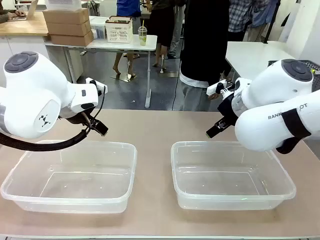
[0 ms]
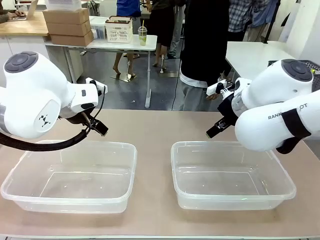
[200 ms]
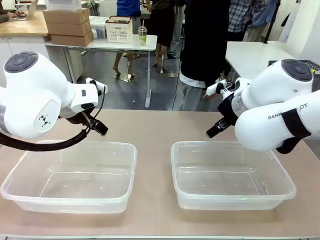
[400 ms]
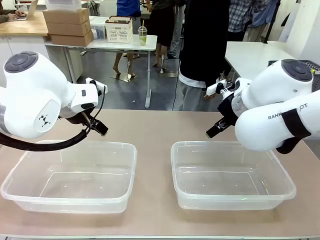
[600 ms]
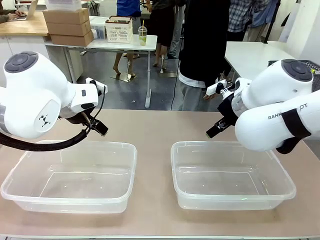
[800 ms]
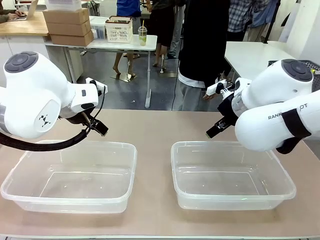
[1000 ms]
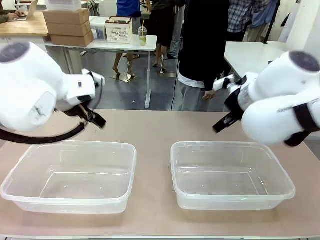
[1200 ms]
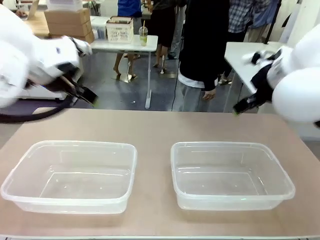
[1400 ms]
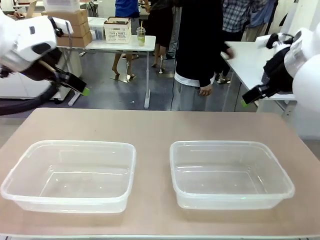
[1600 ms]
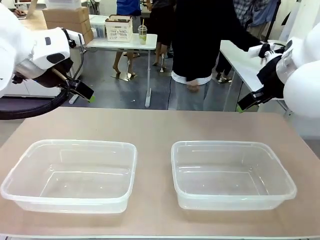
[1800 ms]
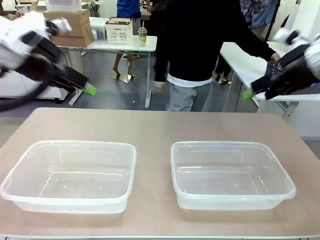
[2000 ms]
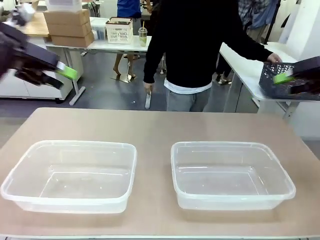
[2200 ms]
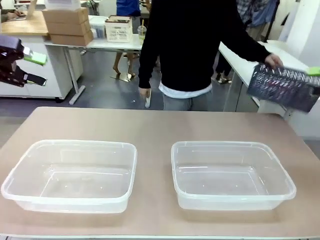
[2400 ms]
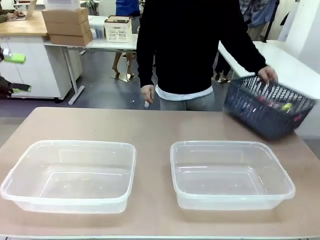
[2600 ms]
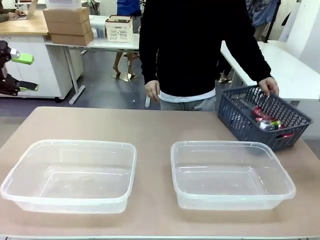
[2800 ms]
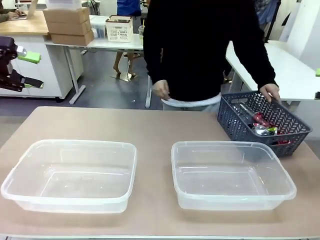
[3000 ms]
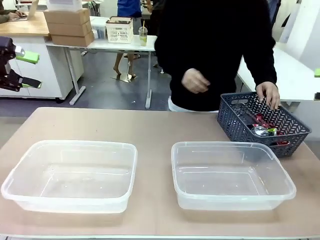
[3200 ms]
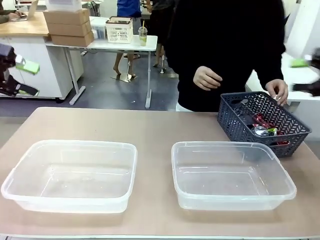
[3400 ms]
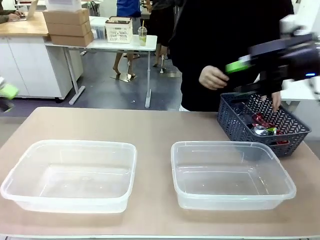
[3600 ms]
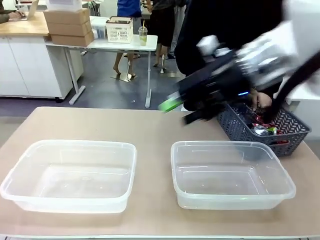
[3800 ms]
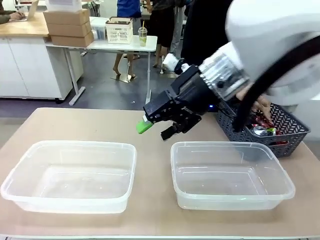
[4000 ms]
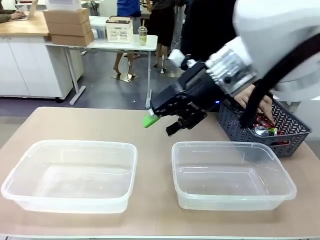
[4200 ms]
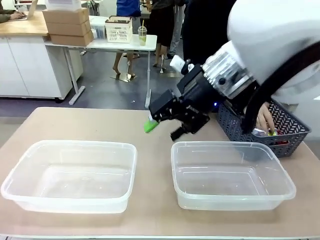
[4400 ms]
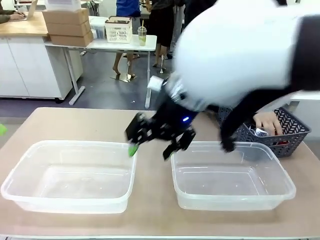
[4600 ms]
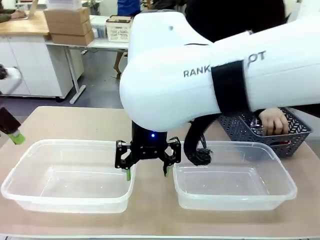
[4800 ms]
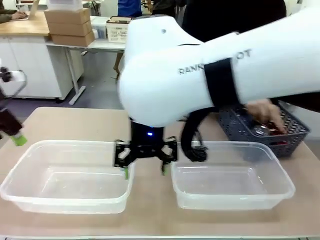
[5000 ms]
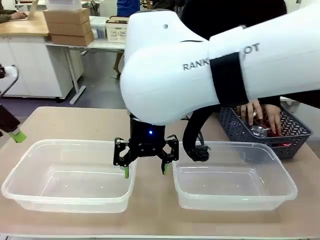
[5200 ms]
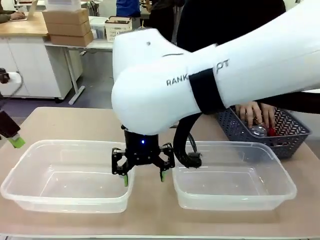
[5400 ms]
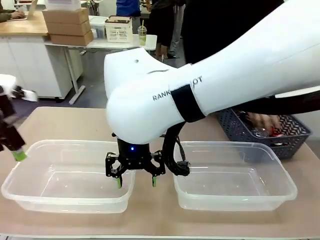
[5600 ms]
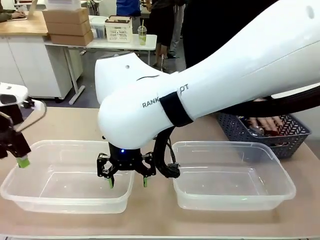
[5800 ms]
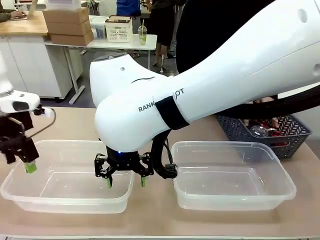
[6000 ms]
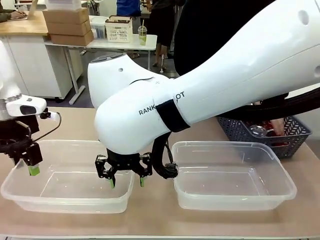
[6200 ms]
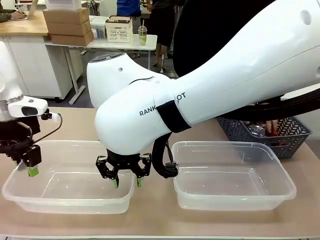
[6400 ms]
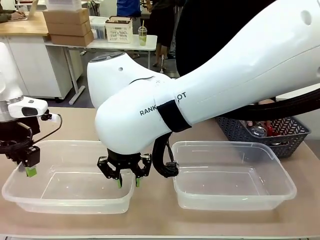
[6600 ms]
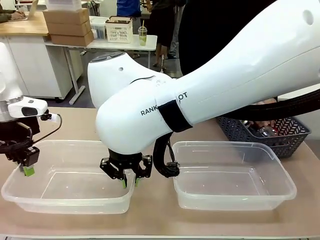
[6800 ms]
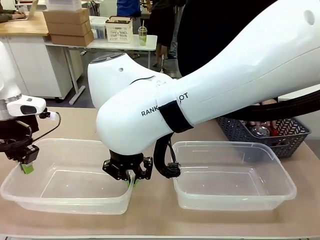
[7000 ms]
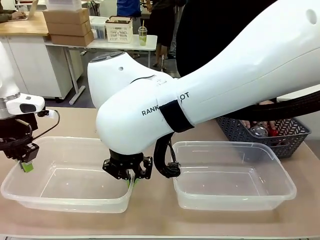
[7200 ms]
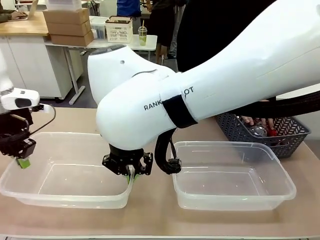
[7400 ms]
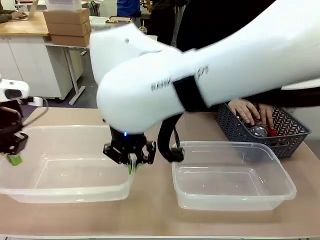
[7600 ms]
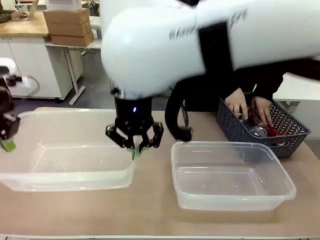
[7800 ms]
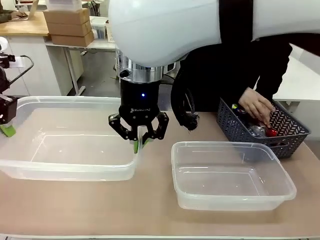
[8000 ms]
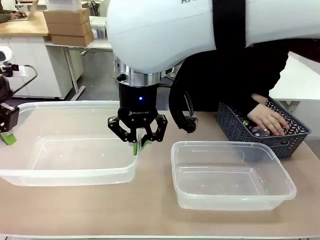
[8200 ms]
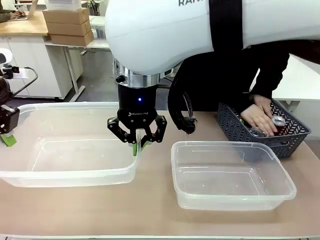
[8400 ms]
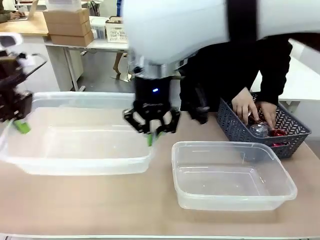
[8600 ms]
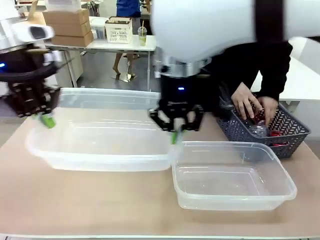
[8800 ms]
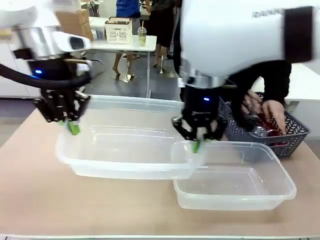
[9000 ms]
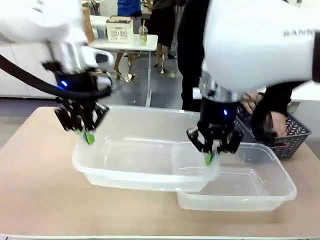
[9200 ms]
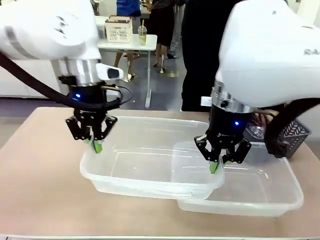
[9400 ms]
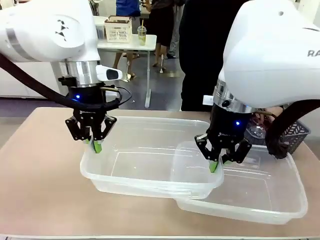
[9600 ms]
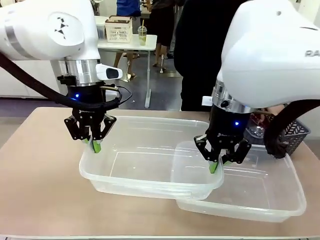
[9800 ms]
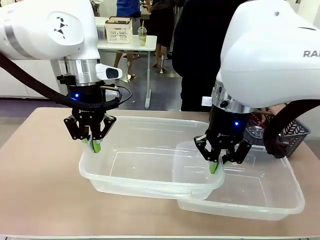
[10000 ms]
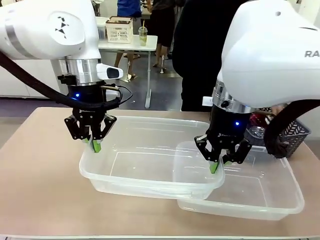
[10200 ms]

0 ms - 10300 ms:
Robot: Pick up the Organizing box on the left side of the table and lift it.
Person: Pick up the storage basket and place it on the left side of the robot table.

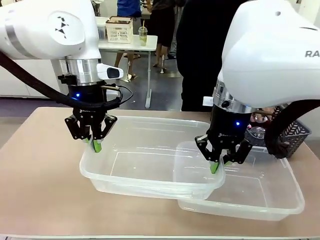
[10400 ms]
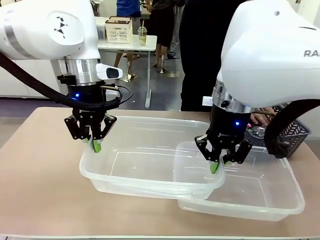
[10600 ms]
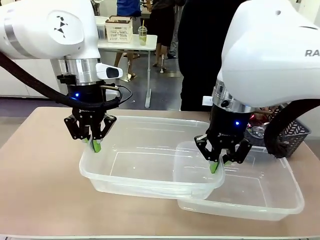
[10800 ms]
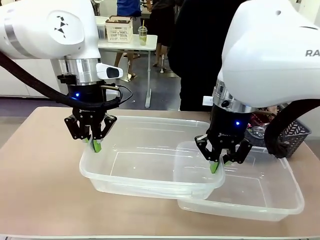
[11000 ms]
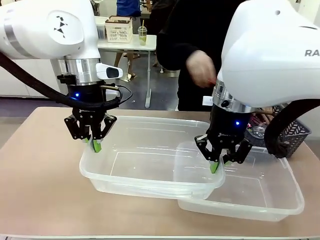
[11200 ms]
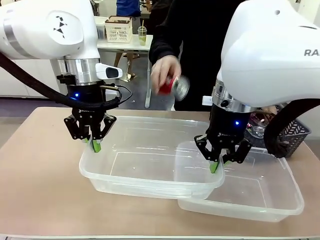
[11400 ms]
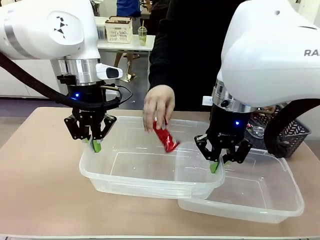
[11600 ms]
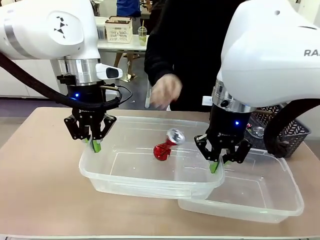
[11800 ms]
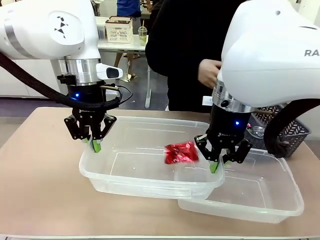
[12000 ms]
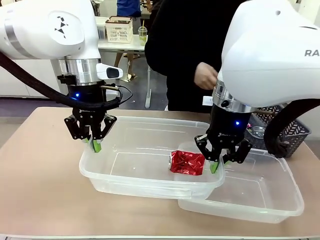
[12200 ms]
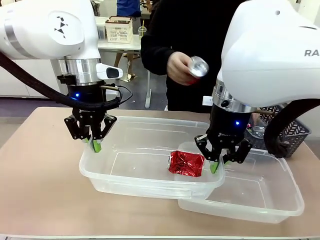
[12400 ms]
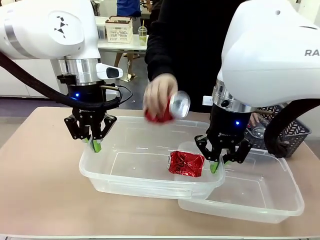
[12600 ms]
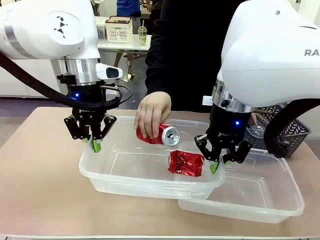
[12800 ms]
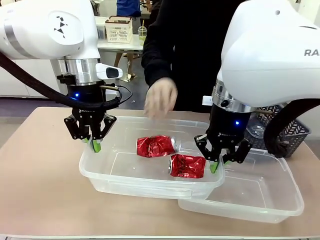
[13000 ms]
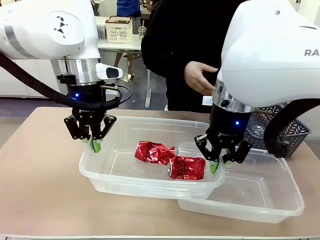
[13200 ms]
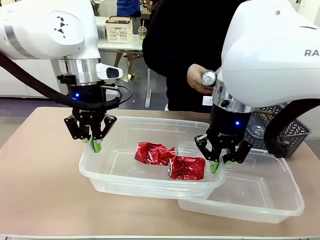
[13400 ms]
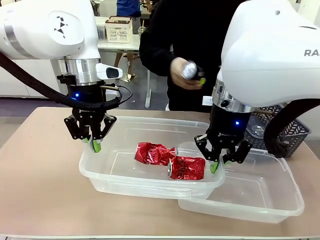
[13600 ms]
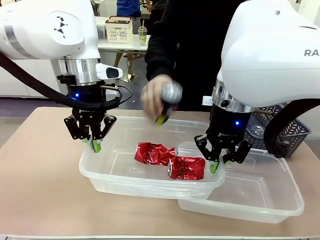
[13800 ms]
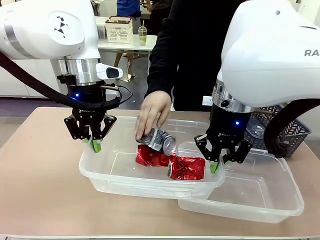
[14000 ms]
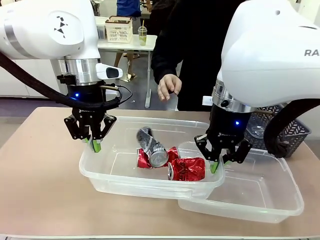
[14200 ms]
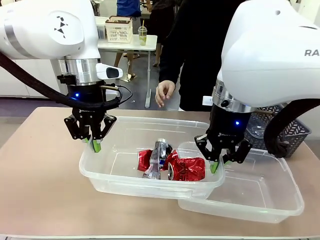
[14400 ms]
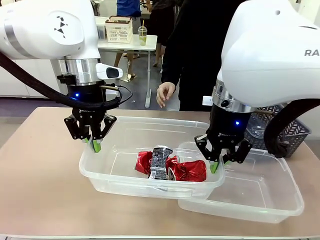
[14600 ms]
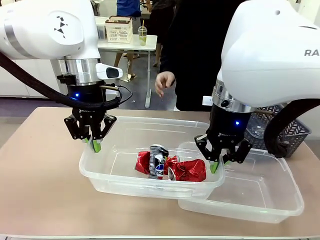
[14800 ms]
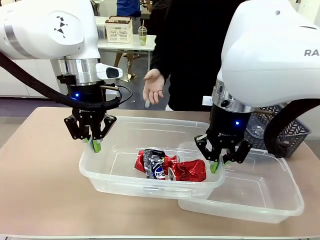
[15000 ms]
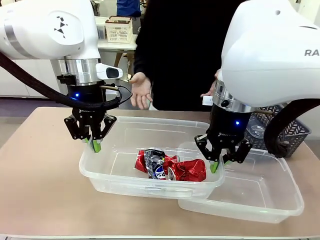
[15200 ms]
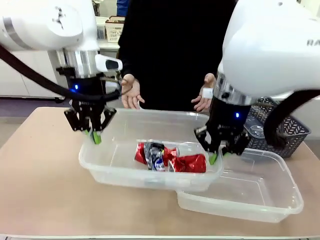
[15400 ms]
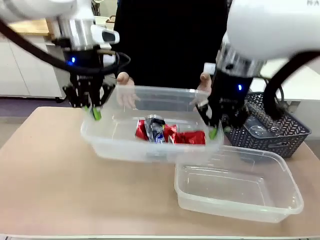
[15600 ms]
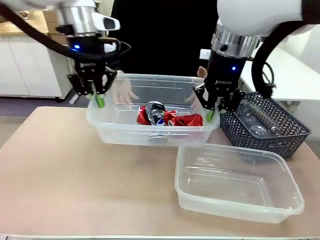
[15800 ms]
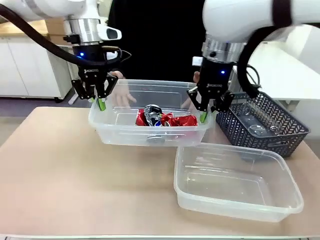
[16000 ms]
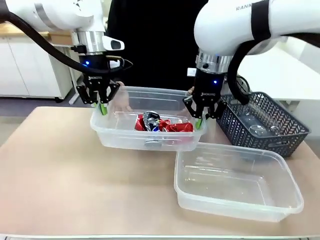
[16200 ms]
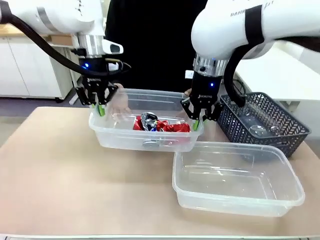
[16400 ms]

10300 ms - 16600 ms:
Robot: Offer the picked Organizing box to the human.
Person: Pick up can-shaped waste one by one and place it into the organizing box lifted by the robot.

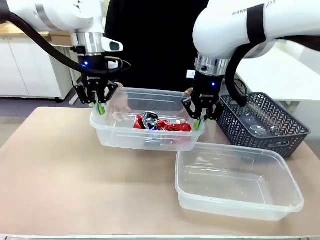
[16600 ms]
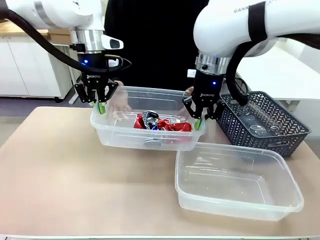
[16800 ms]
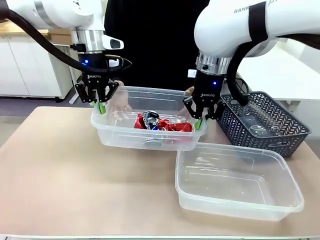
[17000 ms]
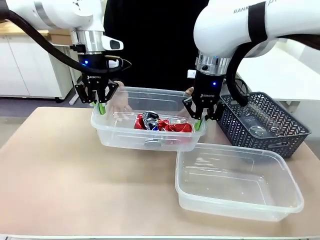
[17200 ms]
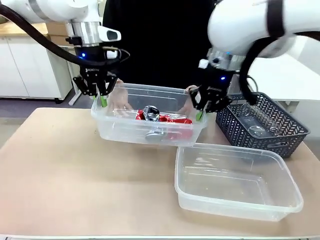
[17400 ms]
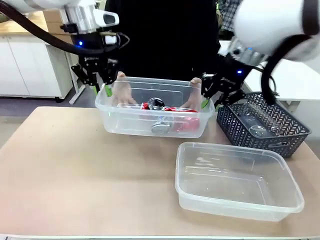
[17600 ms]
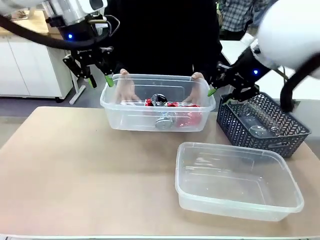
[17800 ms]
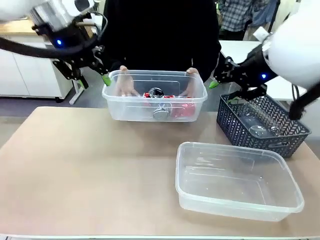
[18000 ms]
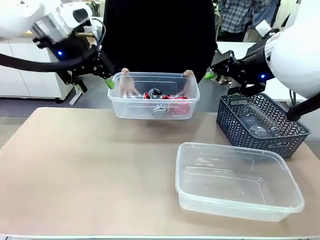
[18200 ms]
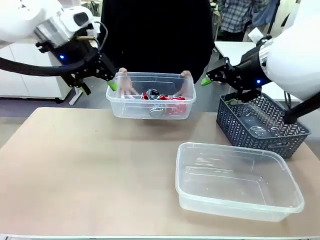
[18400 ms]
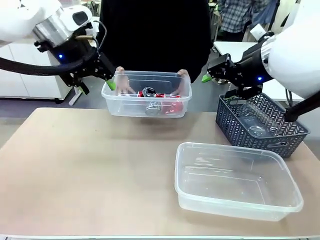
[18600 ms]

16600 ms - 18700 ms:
Robot: Release the Organizing box you were holding.

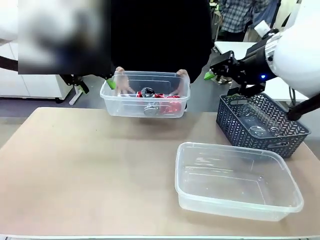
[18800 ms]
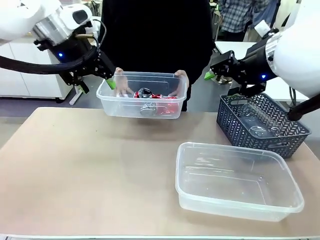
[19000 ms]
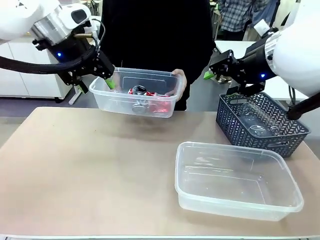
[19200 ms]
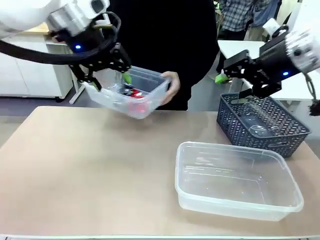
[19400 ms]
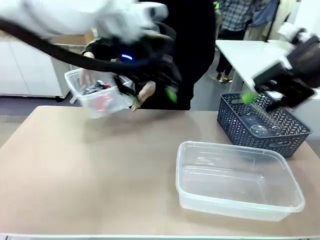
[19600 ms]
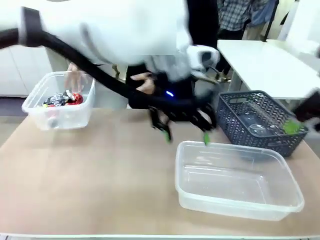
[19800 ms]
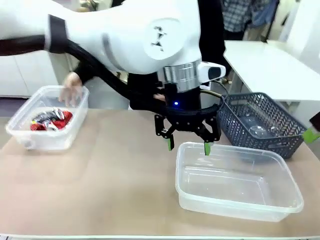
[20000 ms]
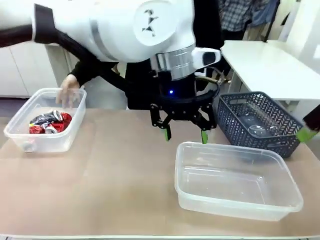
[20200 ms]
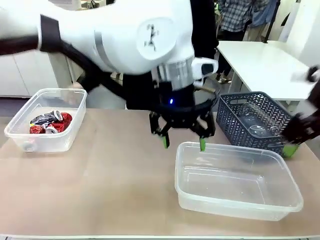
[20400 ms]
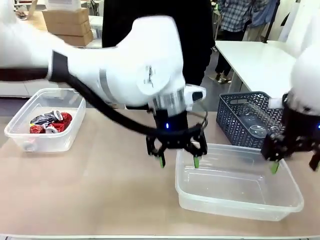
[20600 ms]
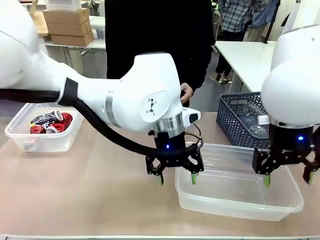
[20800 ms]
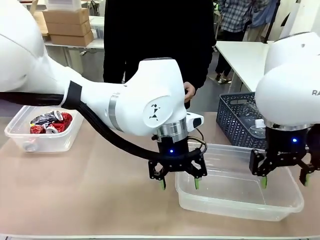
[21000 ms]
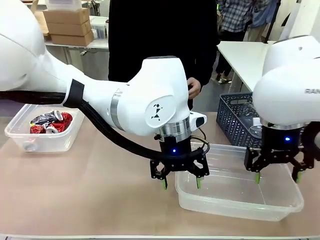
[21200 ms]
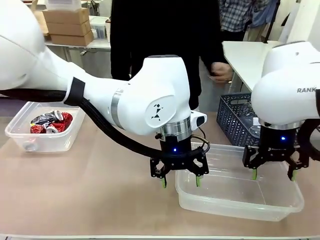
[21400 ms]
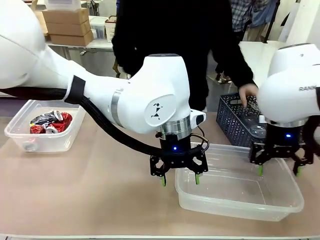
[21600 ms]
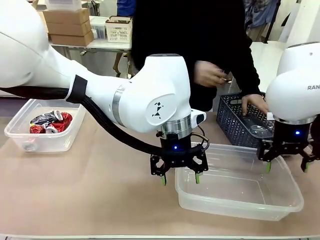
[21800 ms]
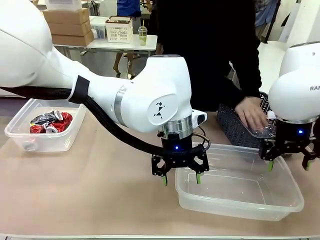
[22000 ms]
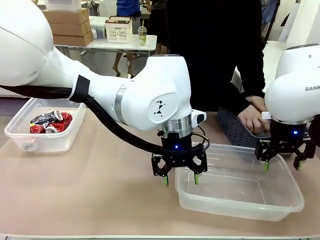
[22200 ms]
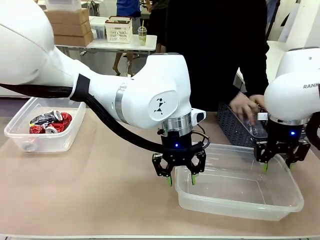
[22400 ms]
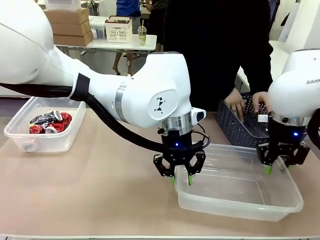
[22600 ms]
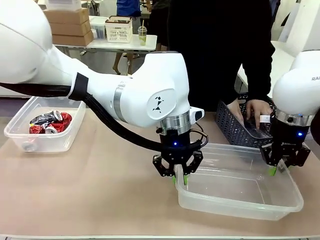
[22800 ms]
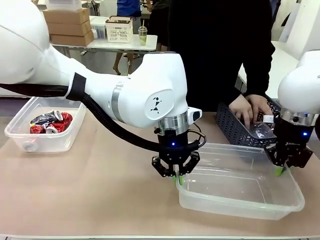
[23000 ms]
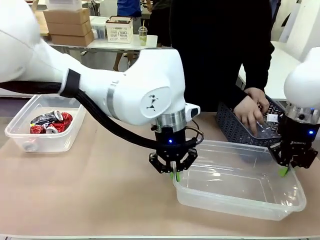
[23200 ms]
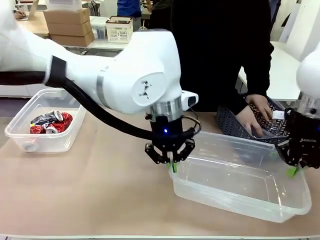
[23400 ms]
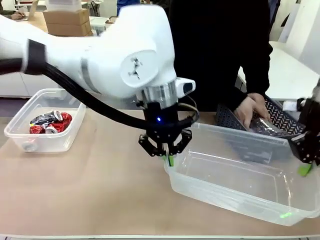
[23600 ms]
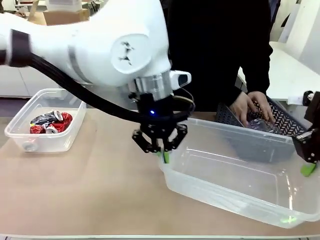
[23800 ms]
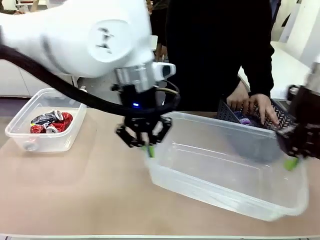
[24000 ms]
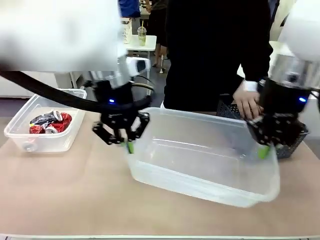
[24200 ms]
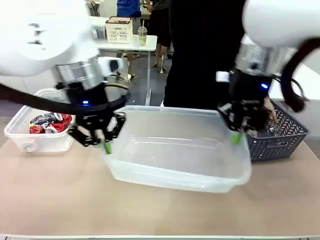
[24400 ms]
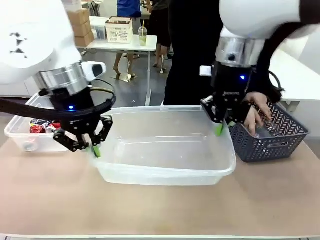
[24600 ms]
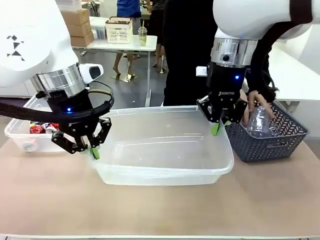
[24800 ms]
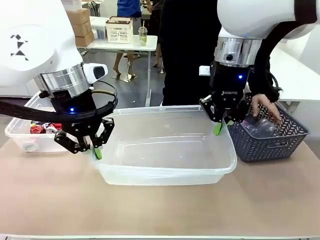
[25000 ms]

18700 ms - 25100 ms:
Robot: Pick up the Organizing box on the right side of the table and lift it.
Person: Place it at the edge of the bottom right area of the robot table.
